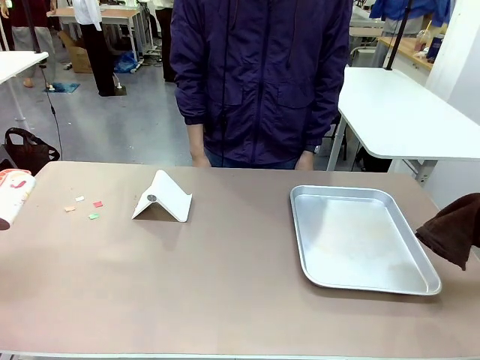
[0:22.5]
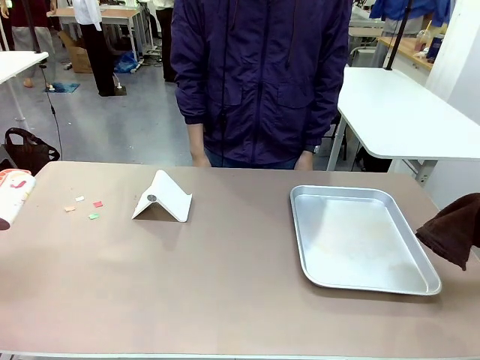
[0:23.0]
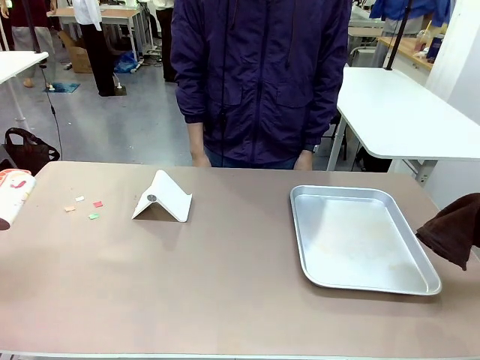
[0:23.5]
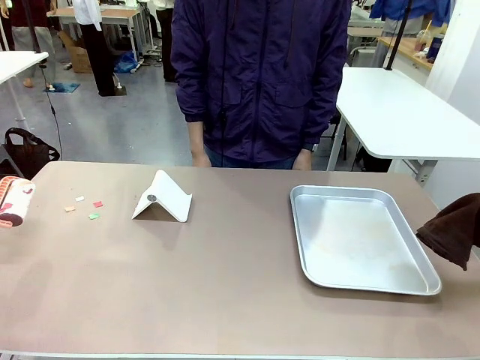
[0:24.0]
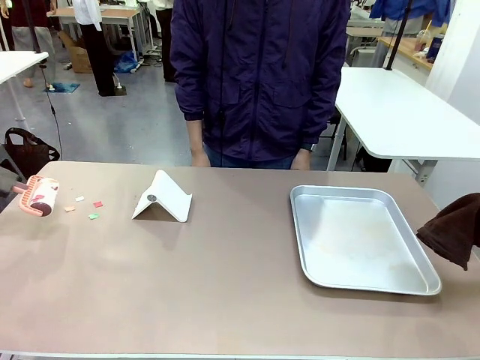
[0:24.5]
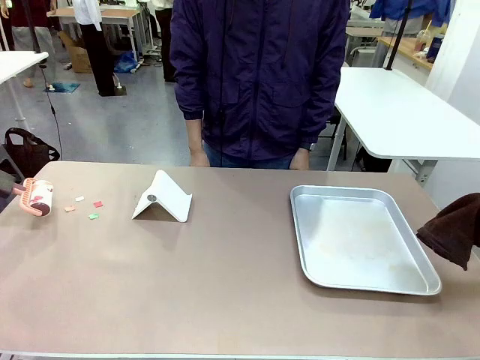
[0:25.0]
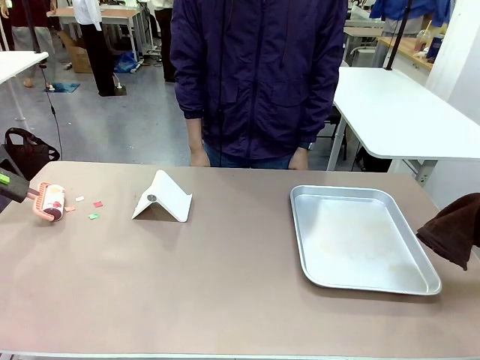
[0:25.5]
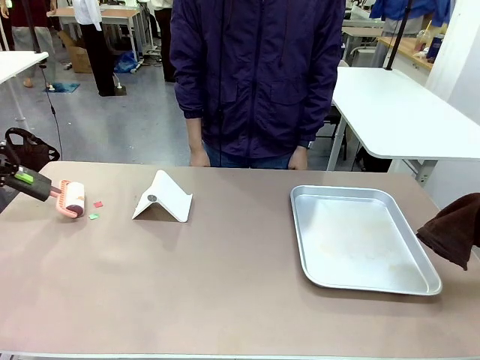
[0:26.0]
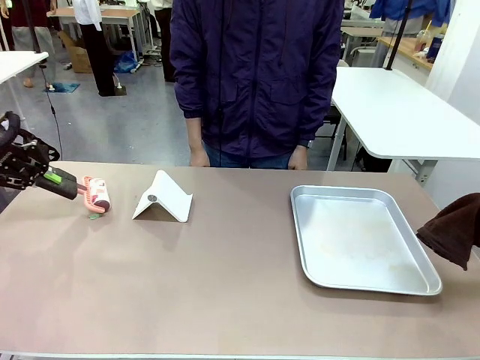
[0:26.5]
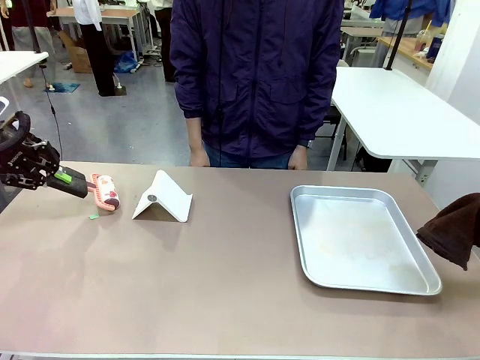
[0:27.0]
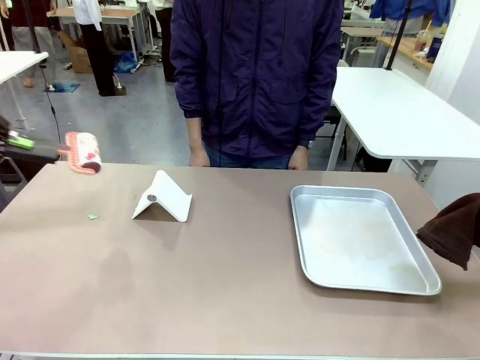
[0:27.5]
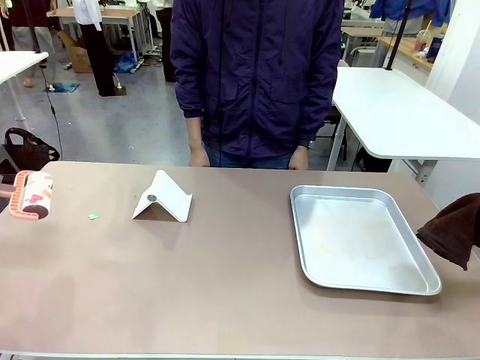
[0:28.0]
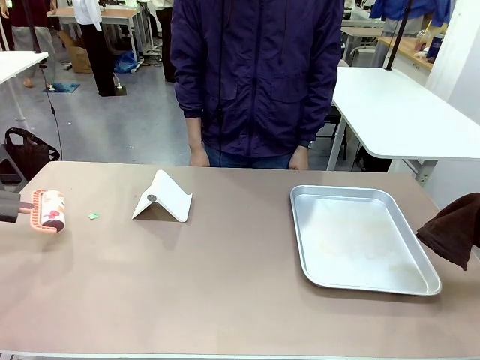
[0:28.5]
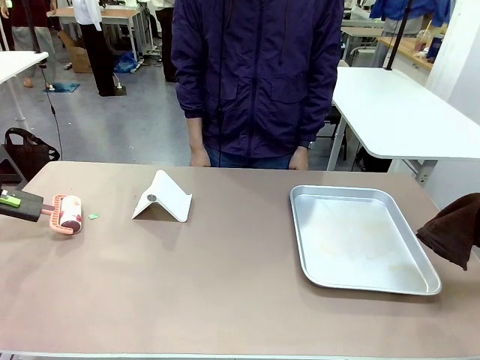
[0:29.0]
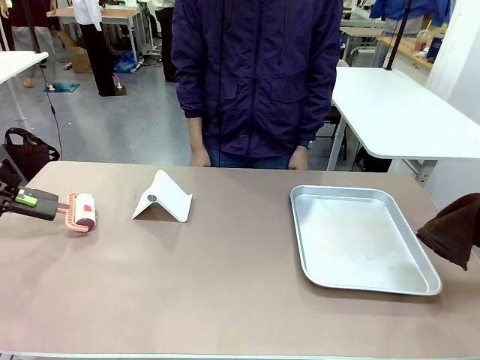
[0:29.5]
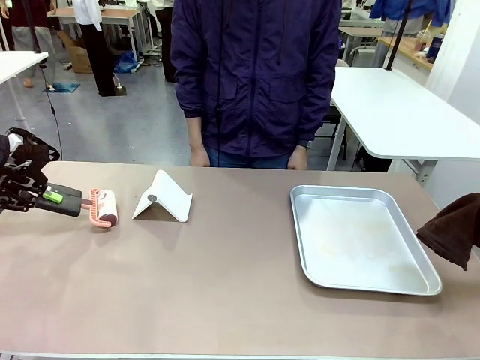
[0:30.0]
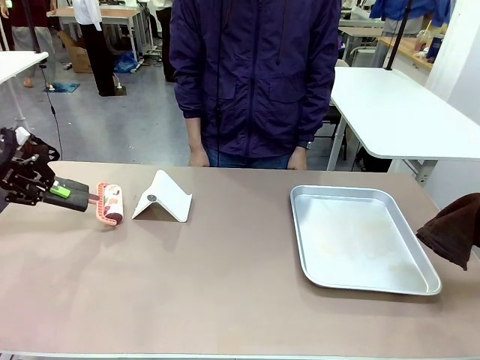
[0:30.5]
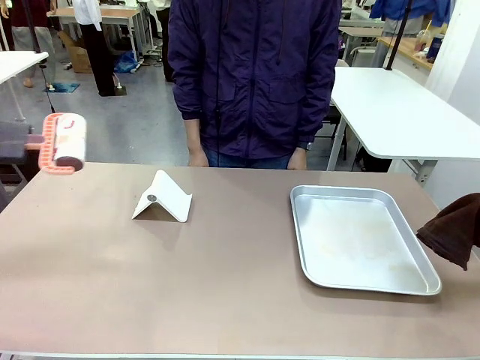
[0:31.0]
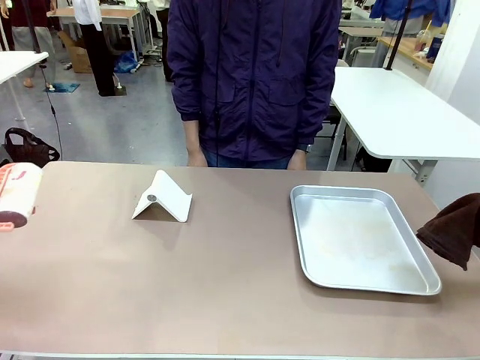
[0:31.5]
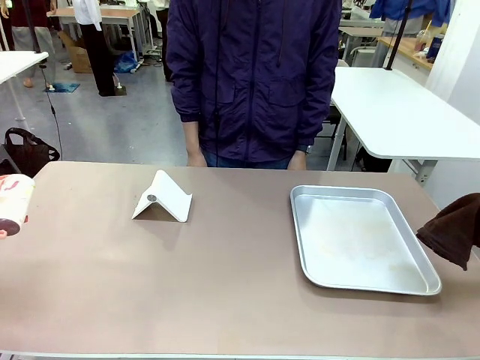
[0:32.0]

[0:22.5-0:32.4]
Task: Clean the surface of the table.
Robot: Clean the area not pointed to by the person.

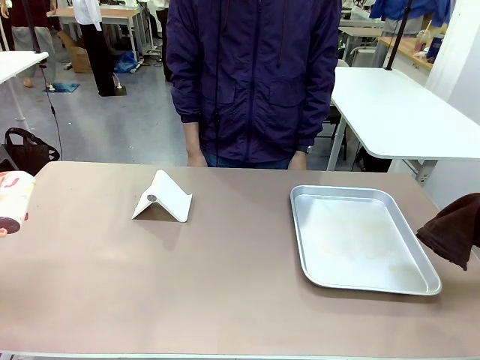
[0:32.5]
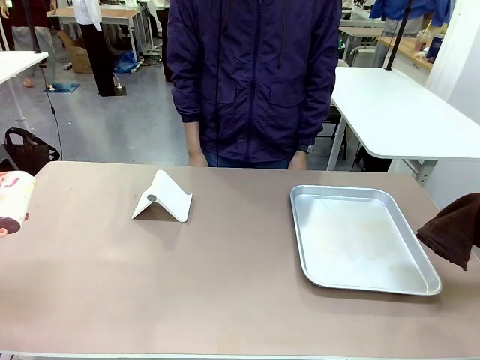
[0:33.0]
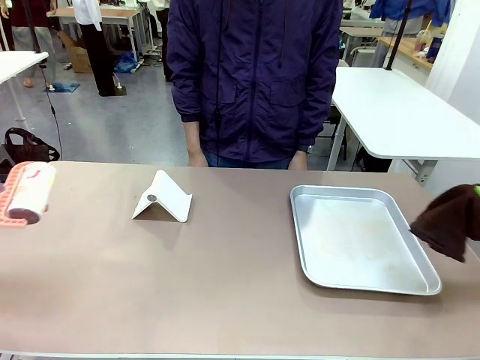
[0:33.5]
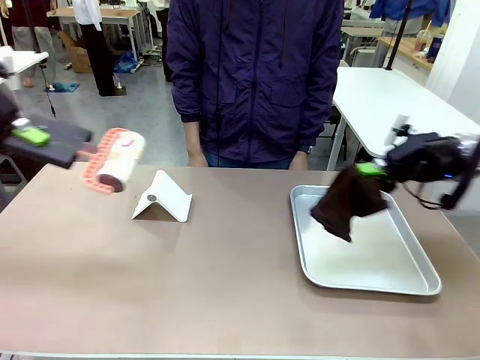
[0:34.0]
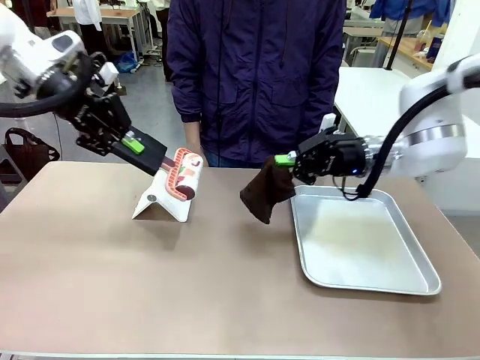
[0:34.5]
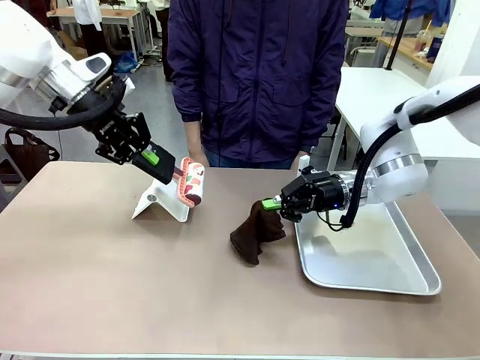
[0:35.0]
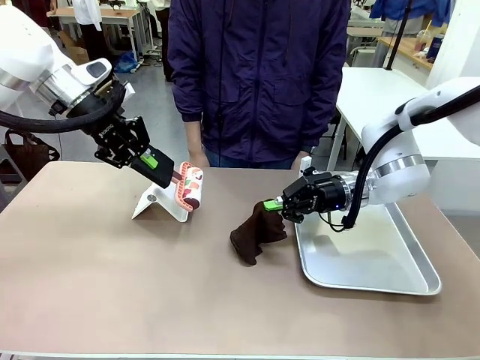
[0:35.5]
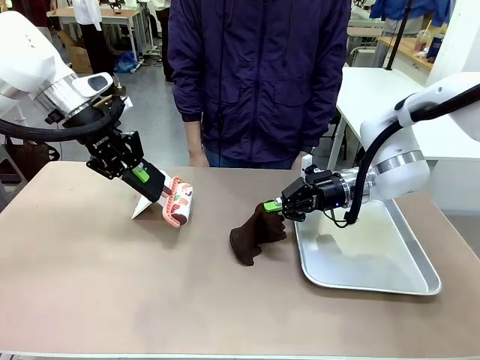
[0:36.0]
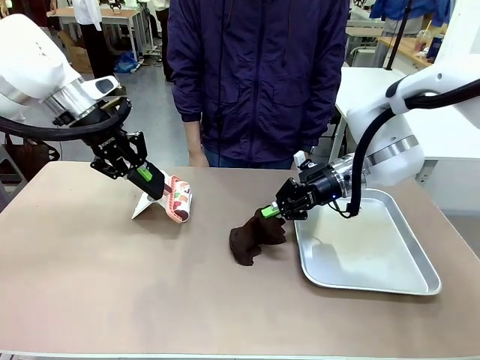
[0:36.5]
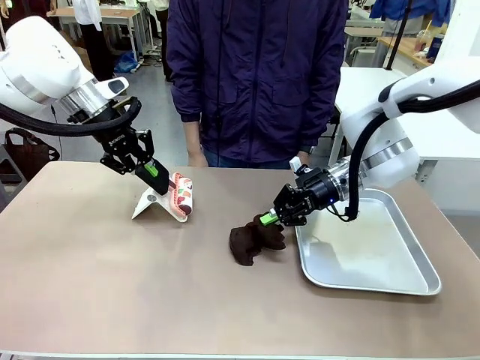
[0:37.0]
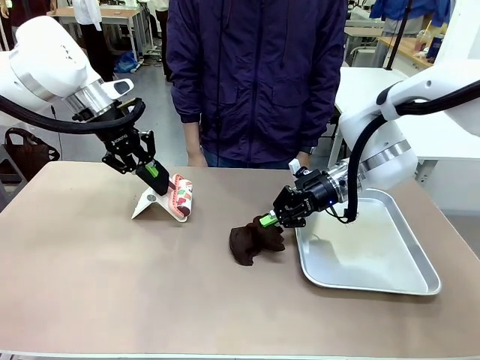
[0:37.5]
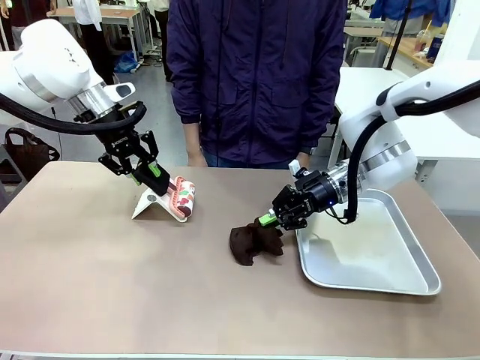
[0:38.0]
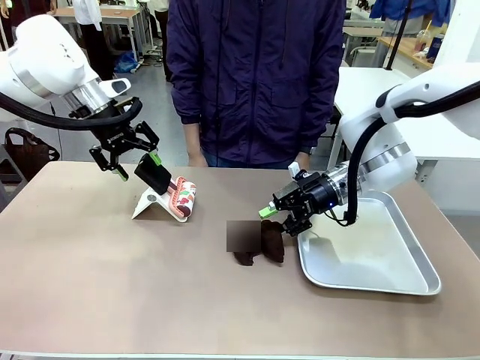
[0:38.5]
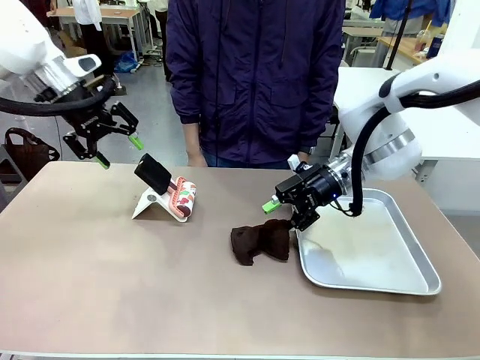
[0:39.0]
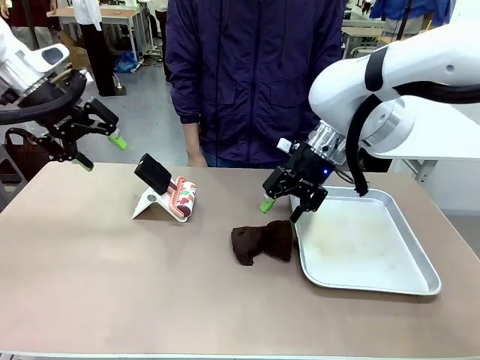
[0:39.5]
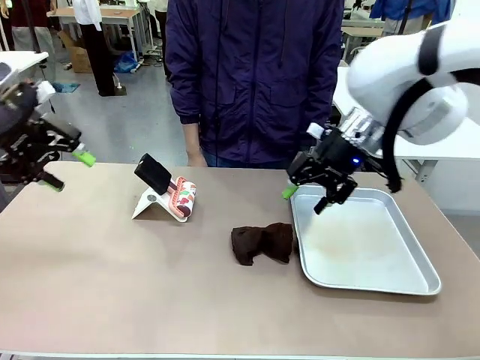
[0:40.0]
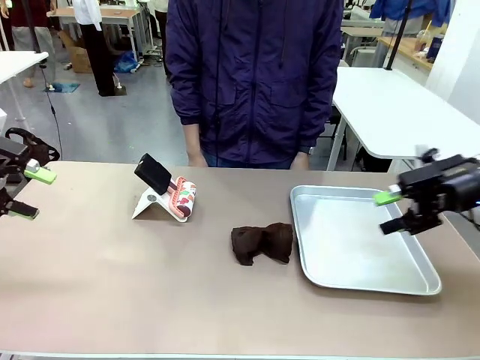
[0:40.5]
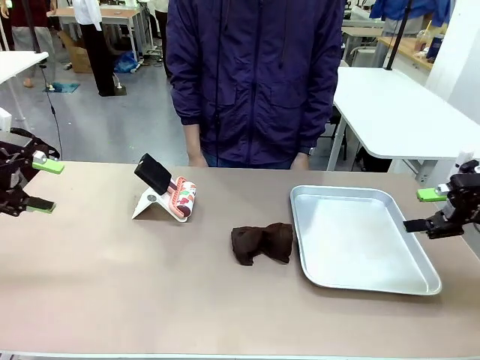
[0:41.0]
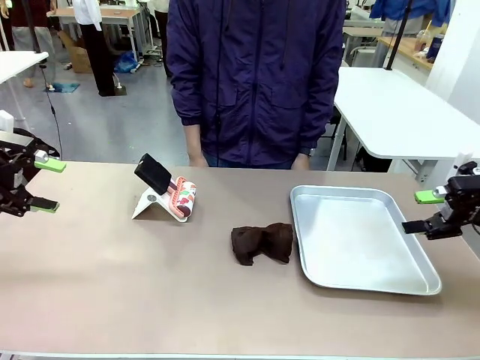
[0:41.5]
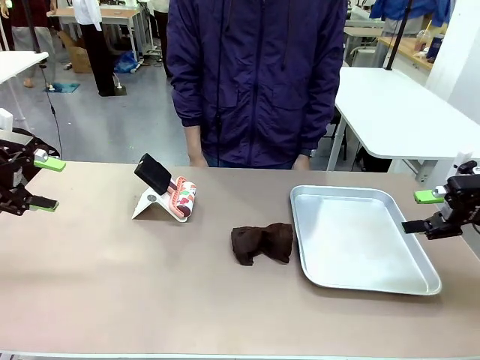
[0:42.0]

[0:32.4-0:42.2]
Robot: Return the Lint Roller and towel to their original positions.

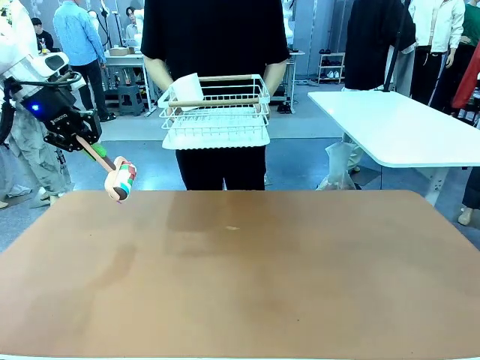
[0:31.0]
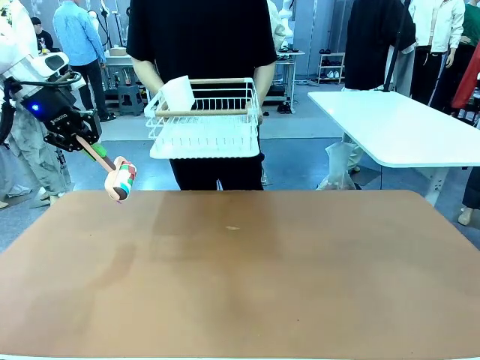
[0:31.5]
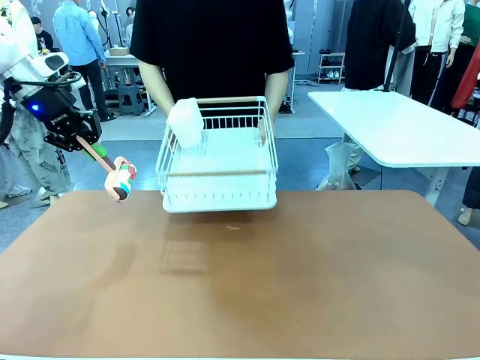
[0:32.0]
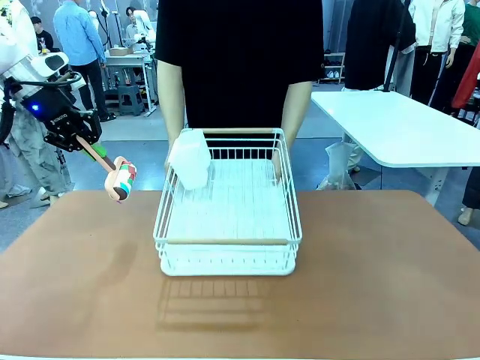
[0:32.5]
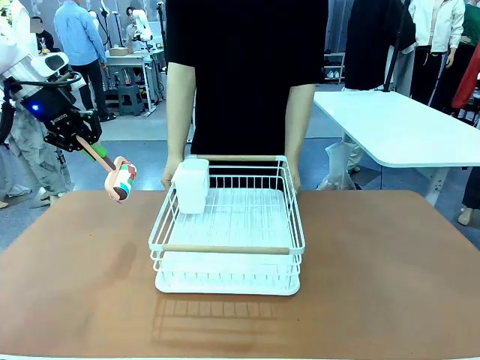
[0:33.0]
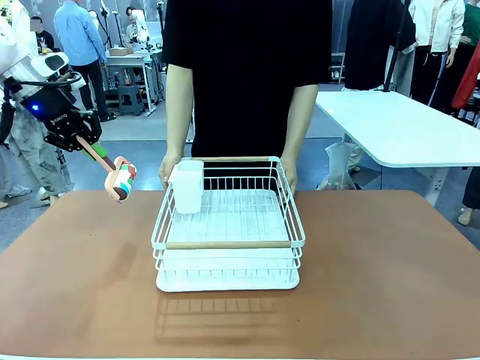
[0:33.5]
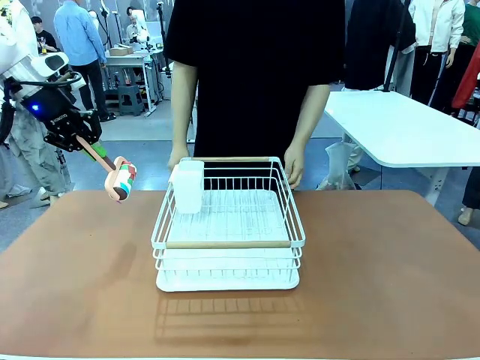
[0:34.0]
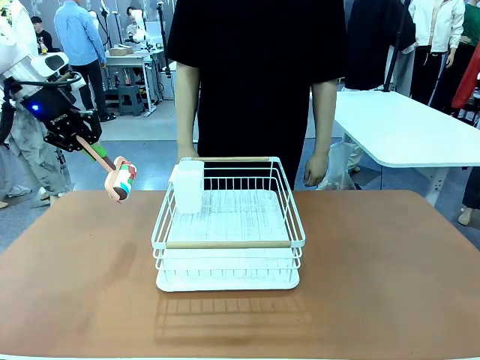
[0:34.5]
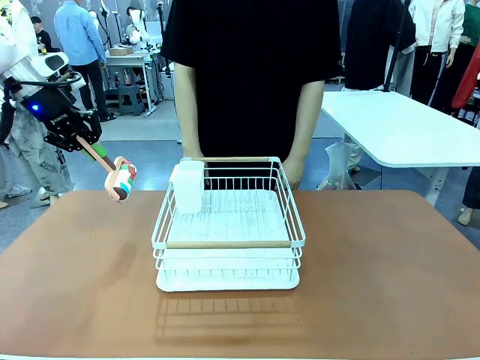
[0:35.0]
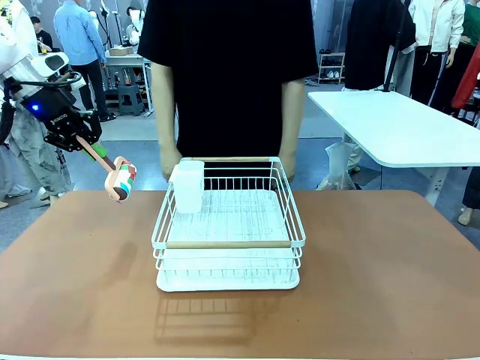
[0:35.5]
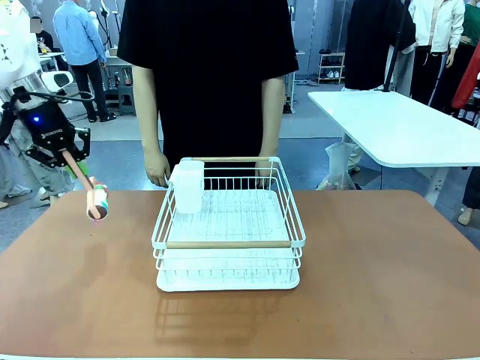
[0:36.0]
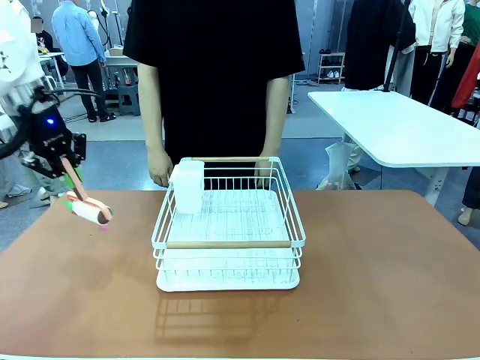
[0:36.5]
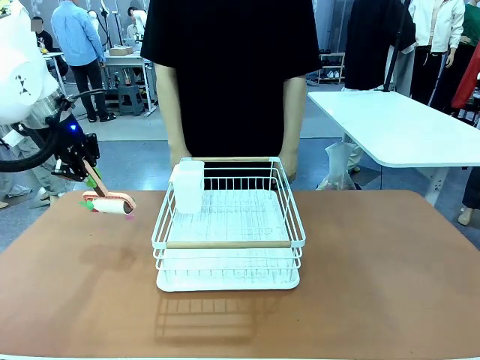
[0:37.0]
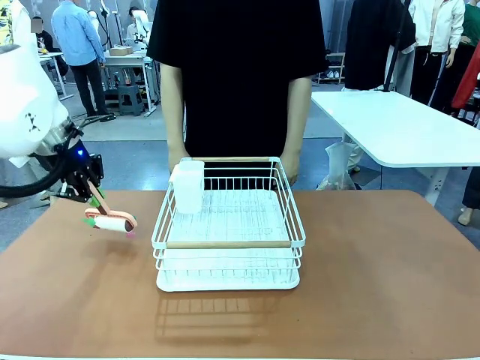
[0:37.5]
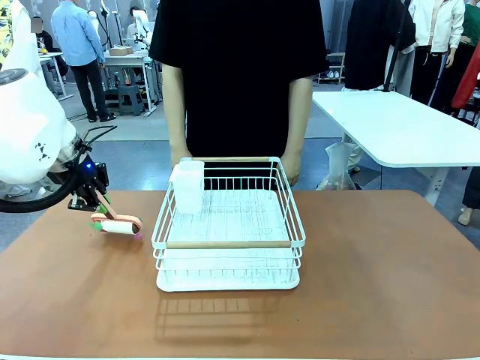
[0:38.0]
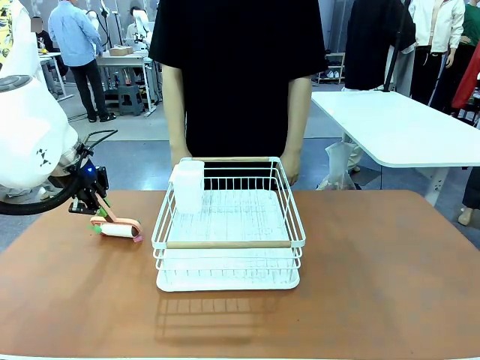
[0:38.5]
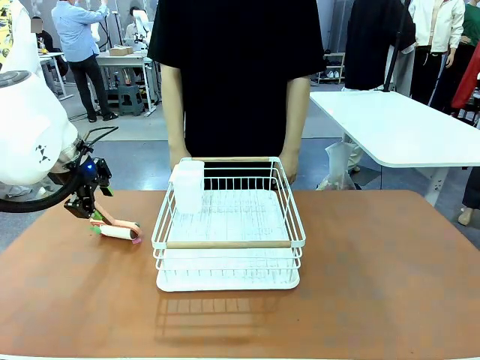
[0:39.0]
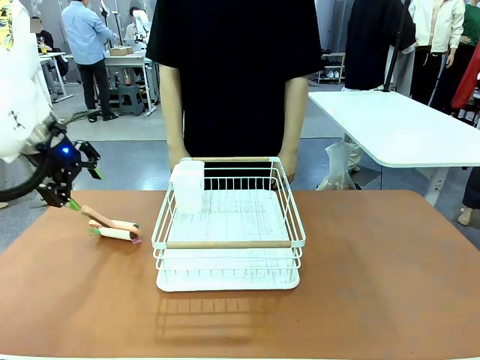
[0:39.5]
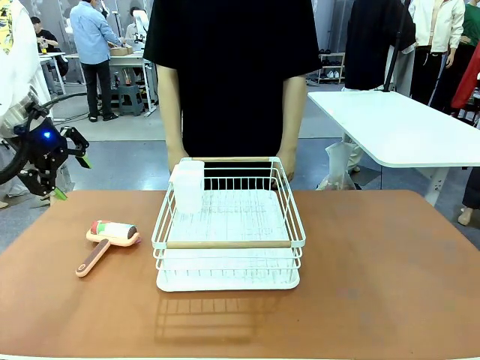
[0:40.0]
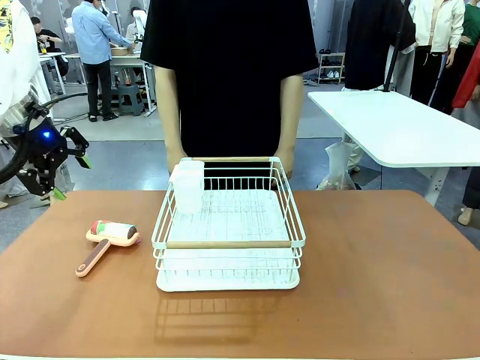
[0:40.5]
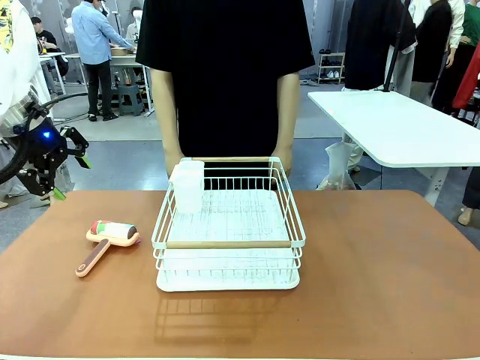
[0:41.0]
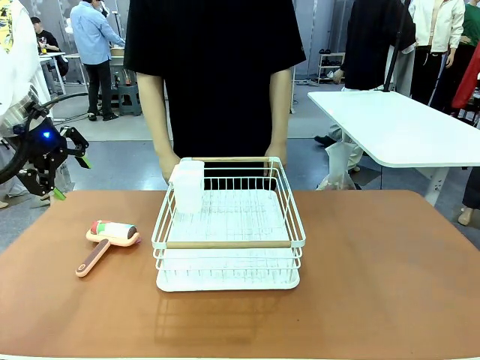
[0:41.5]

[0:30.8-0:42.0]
Task: Clean the table.
Robot: Place the Lint Roller down when the Dish drying rack is positioned in the middle of the table.
